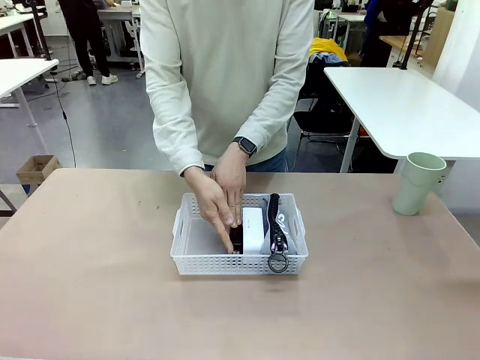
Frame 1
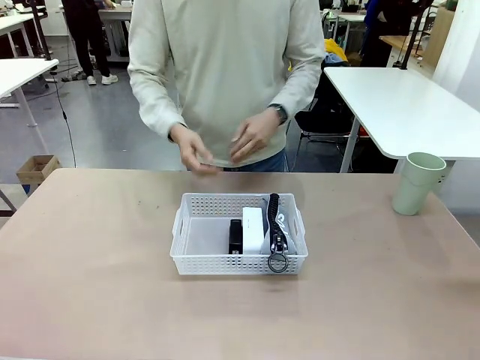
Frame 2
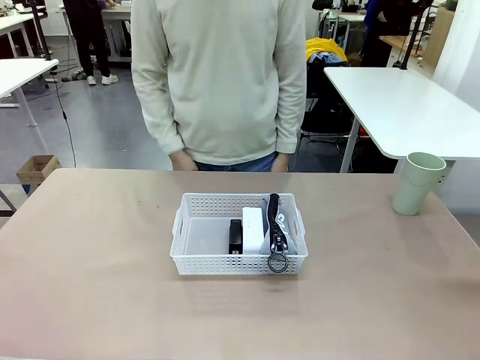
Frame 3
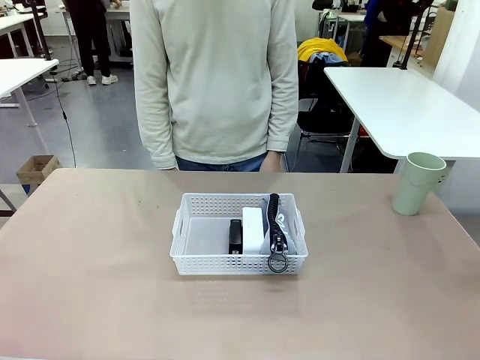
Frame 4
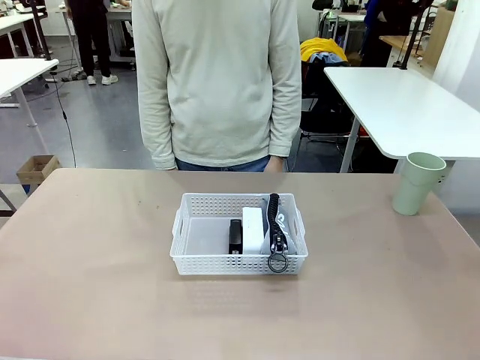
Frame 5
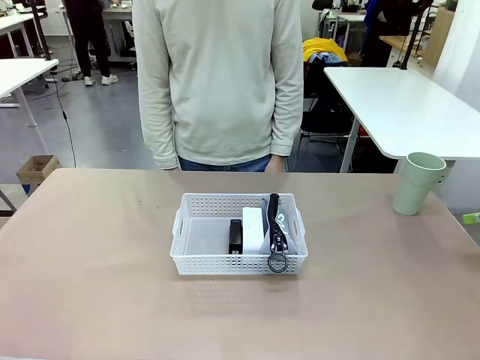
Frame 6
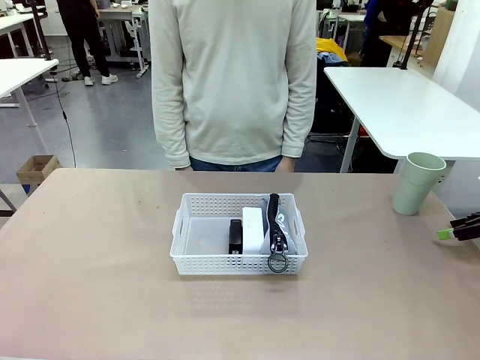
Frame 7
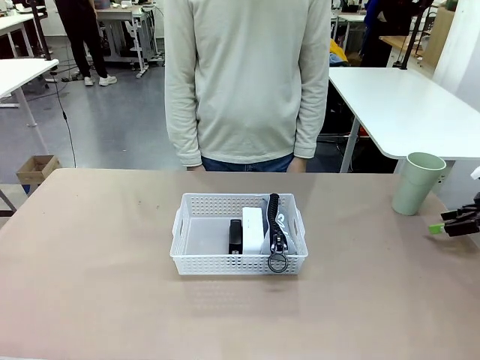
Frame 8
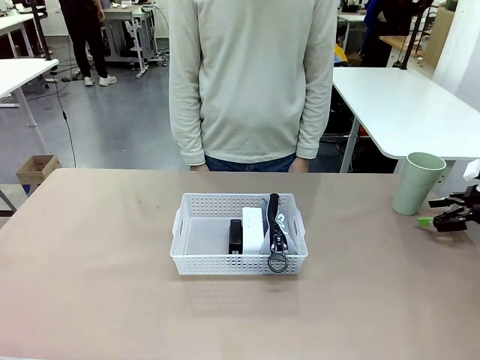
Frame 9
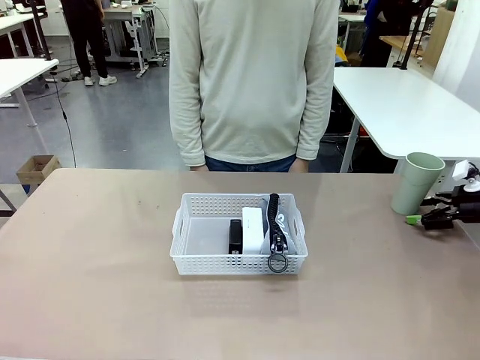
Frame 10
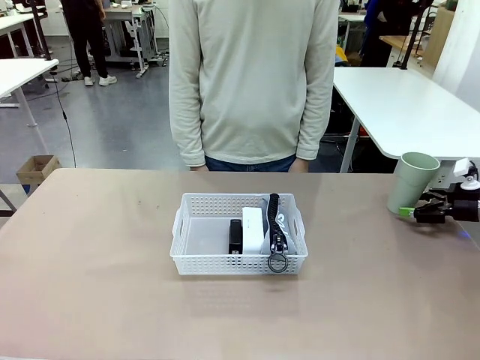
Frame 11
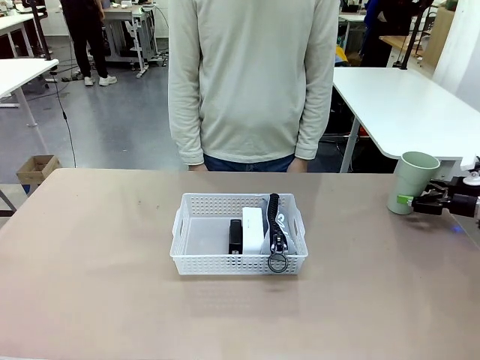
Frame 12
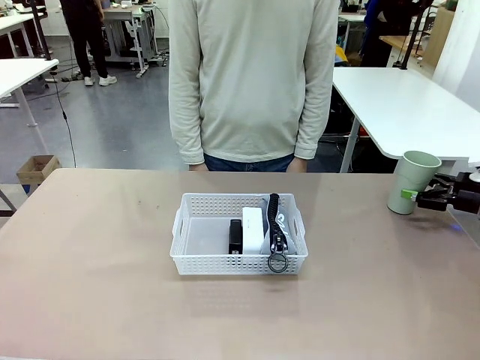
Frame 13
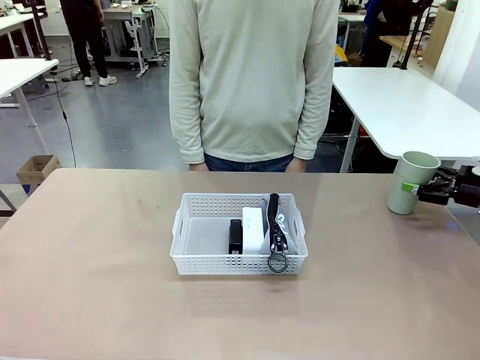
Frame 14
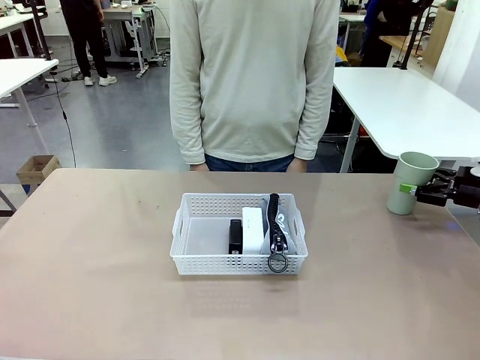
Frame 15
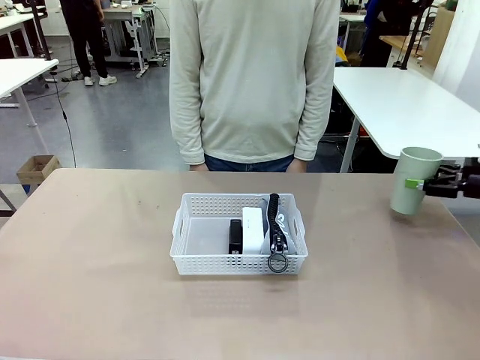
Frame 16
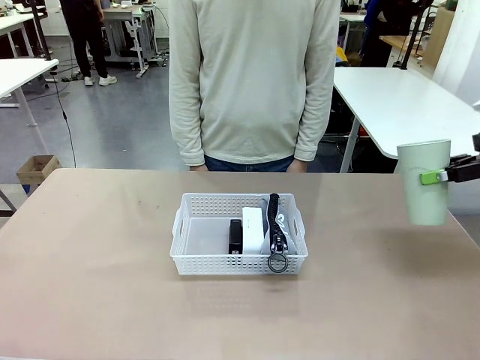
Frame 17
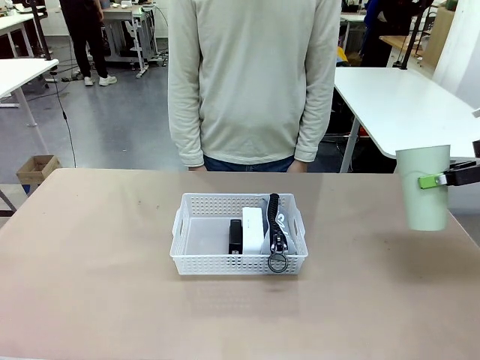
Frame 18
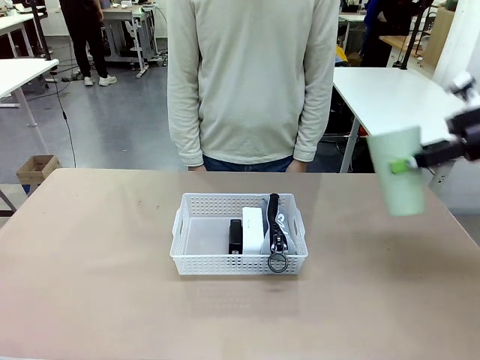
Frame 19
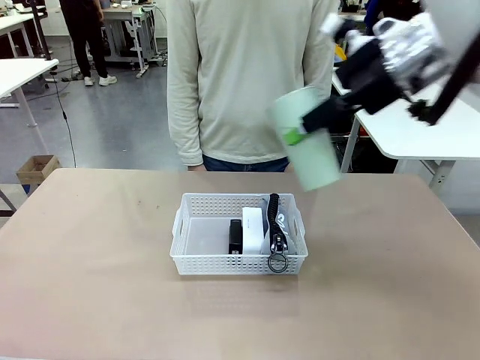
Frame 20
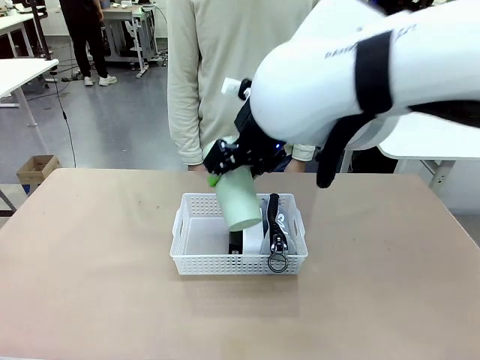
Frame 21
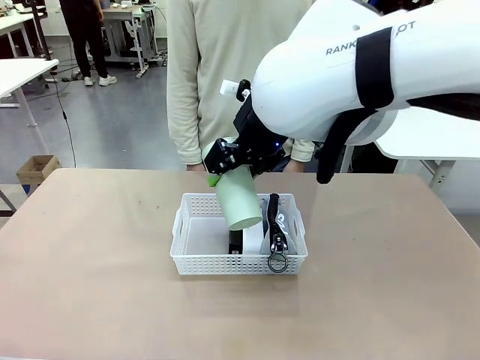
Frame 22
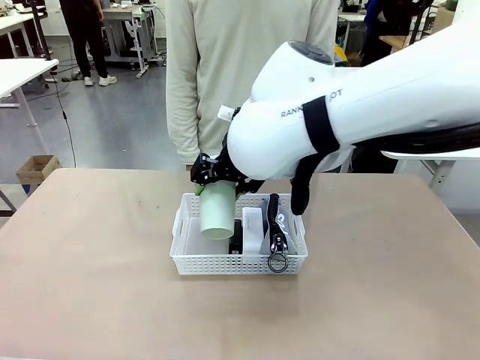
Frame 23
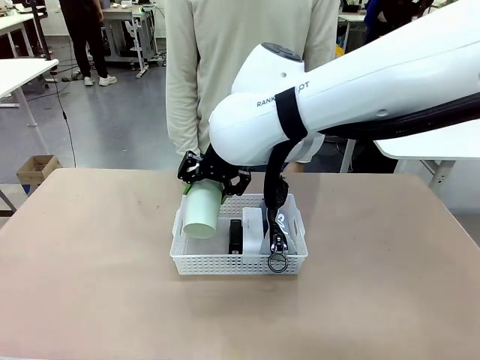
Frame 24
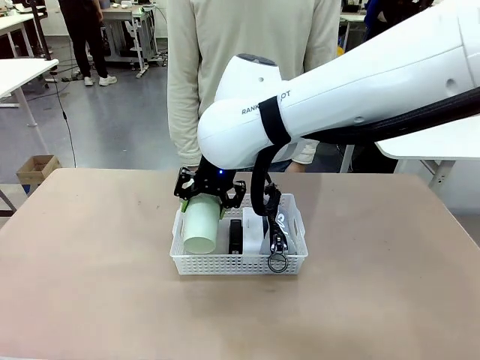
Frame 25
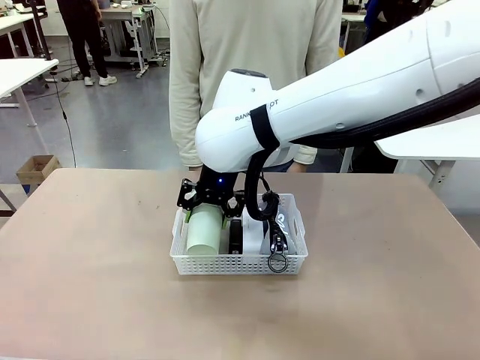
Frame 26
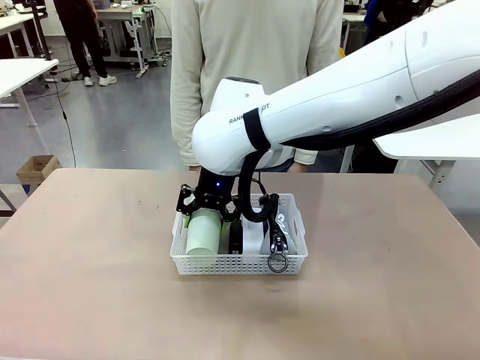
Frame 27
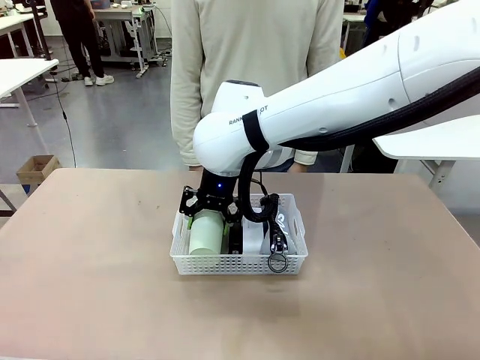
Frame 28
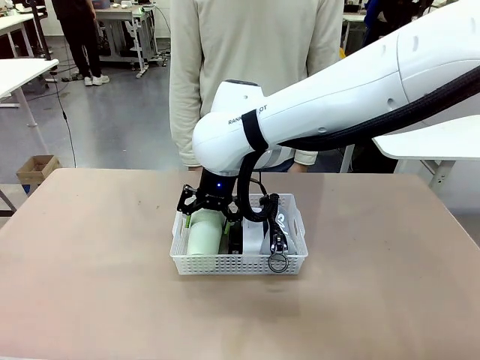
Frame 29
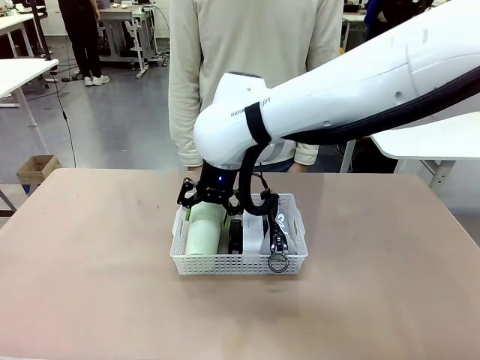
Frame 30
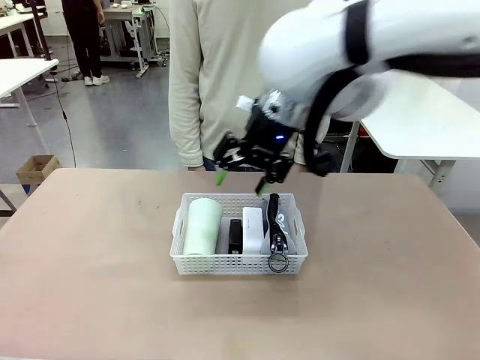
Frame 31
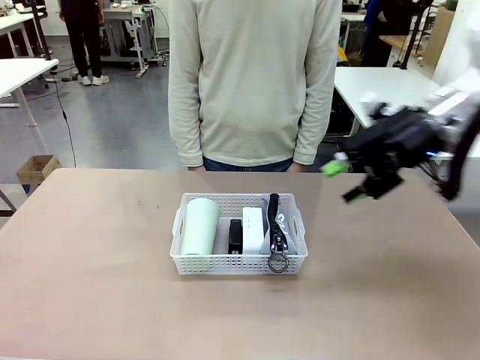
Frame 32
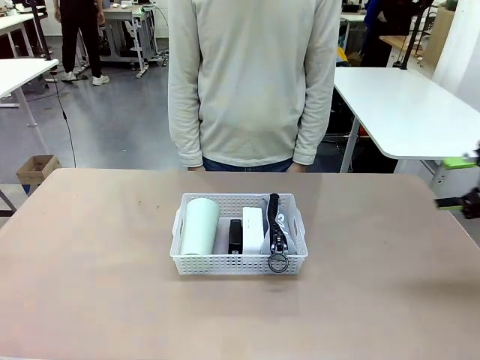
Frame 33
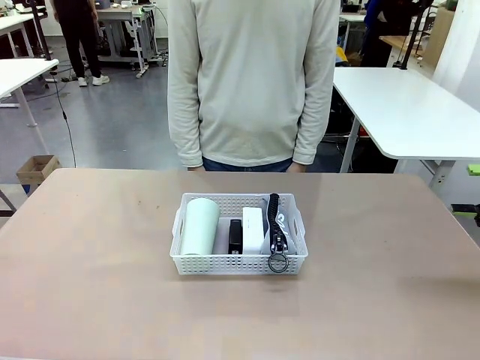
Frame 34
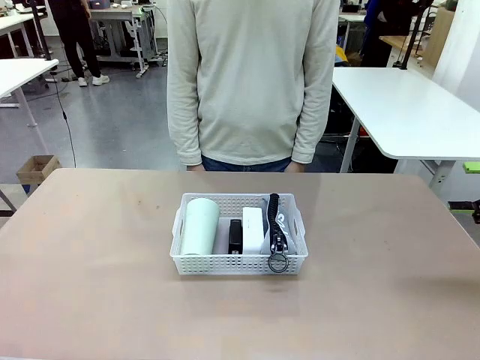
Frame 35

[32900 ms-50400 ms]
Task: Efficiently arrange items inside the basket to fit them all.
Robot: Pick up the Reusable plastic cup and place it inside the Organizing basket.
Person: Repositions the stapler.

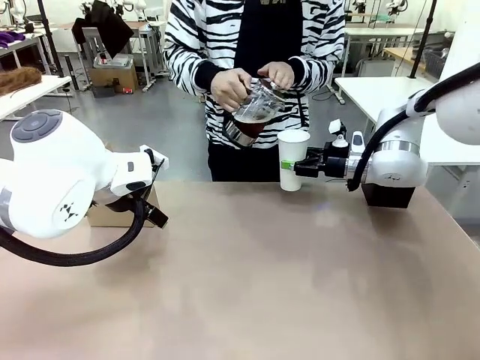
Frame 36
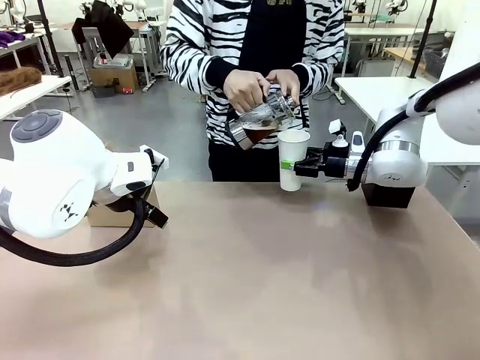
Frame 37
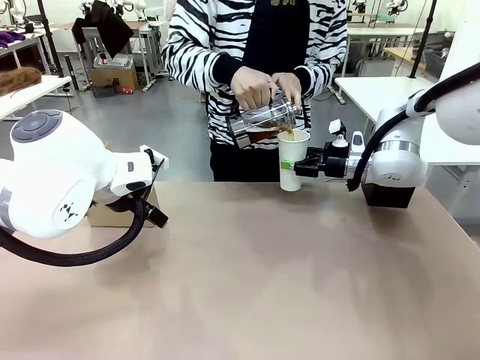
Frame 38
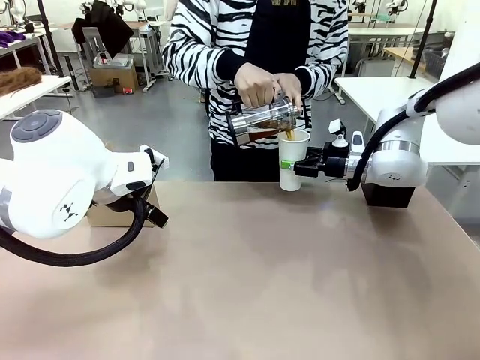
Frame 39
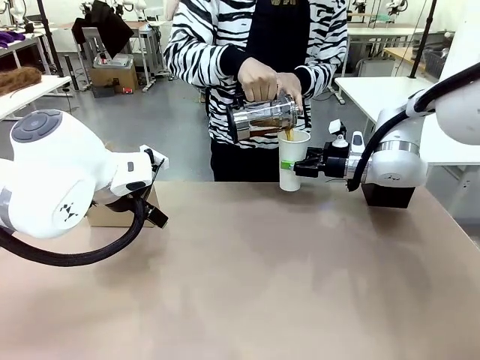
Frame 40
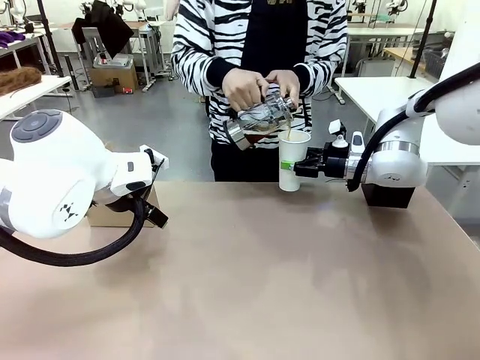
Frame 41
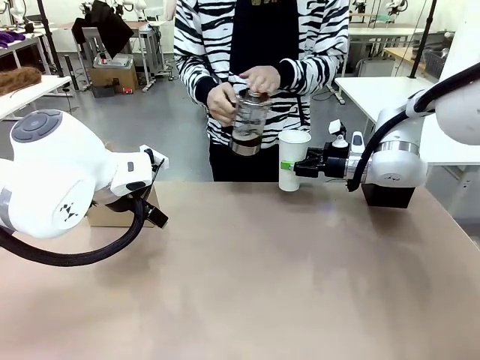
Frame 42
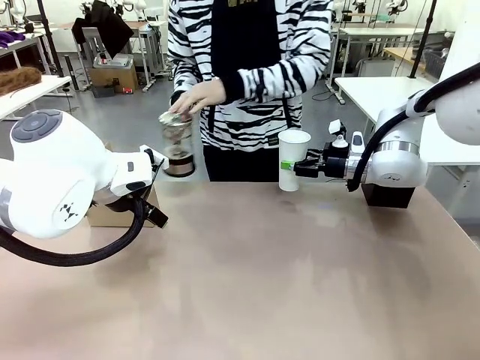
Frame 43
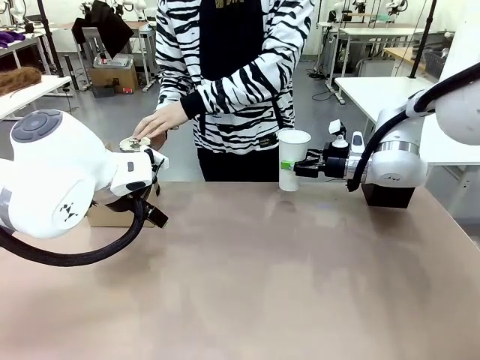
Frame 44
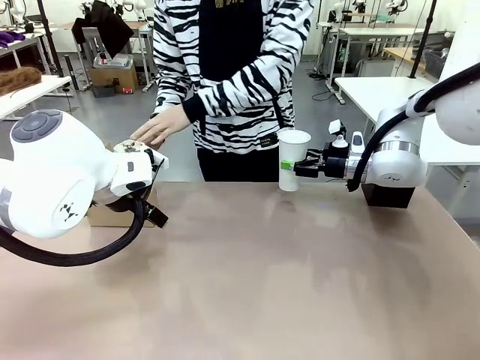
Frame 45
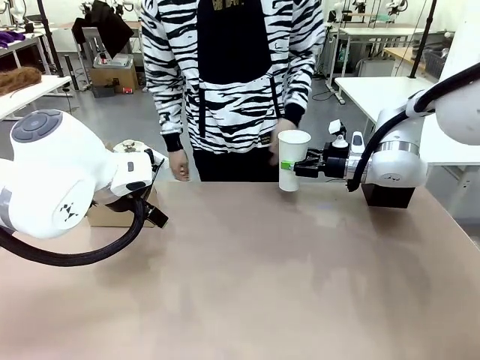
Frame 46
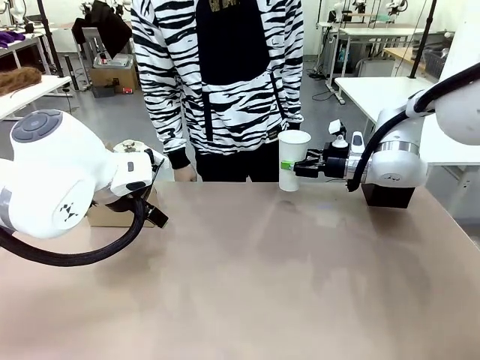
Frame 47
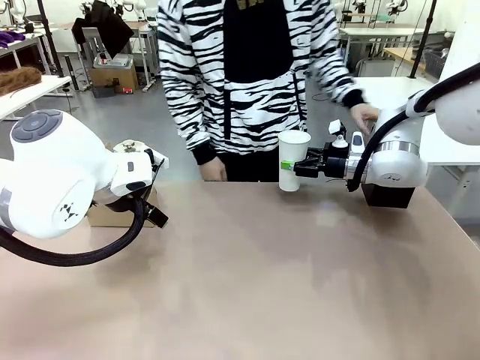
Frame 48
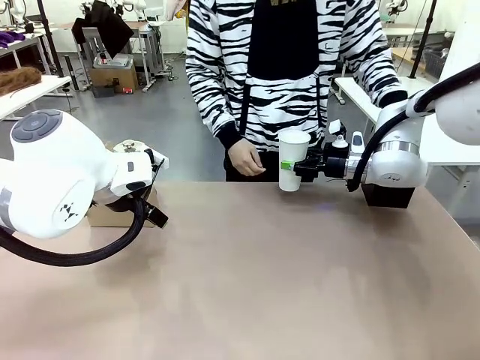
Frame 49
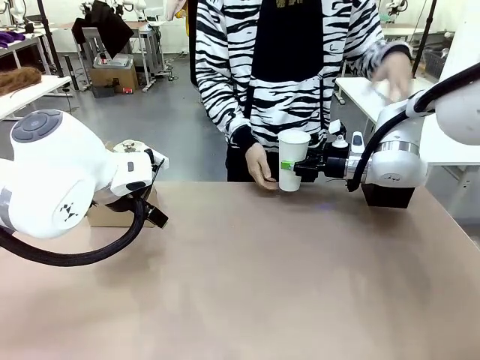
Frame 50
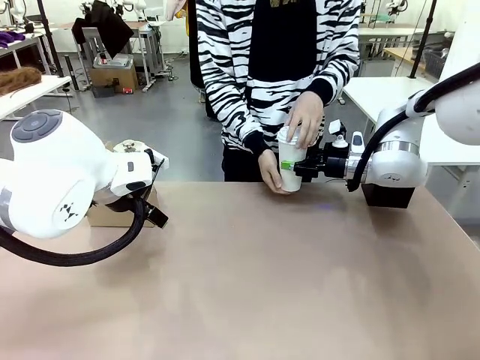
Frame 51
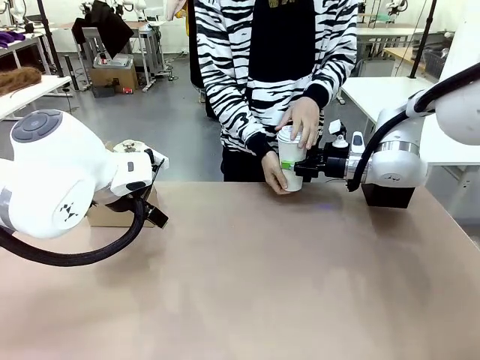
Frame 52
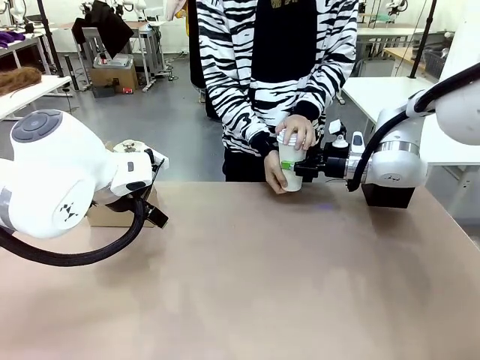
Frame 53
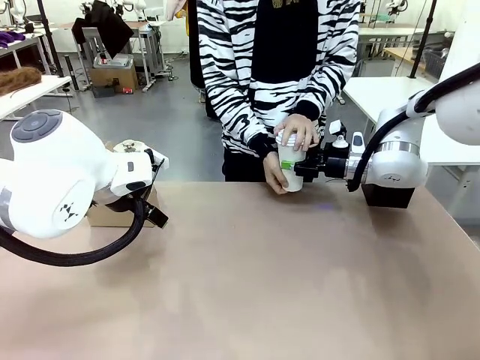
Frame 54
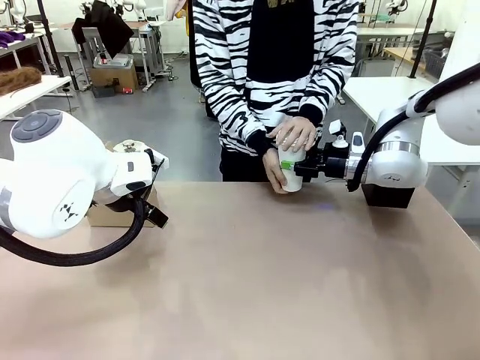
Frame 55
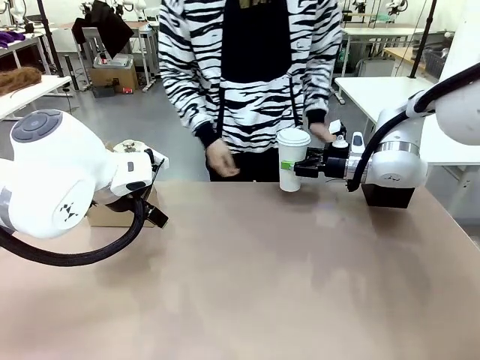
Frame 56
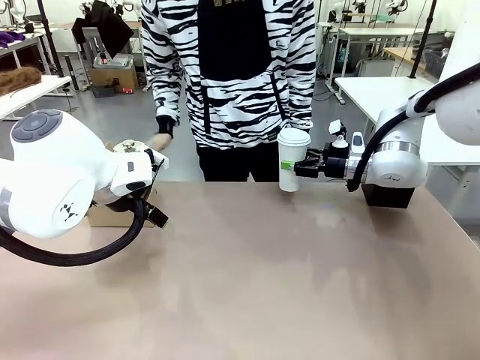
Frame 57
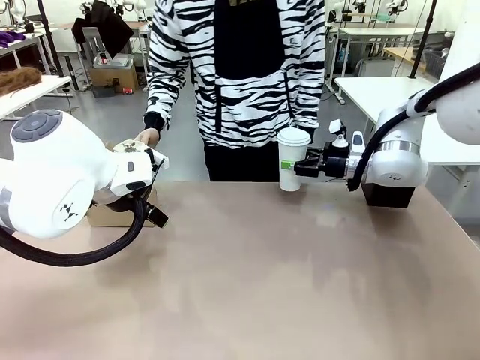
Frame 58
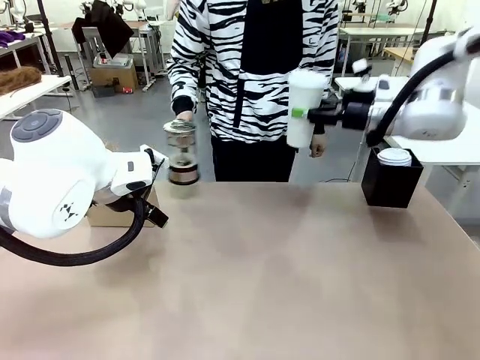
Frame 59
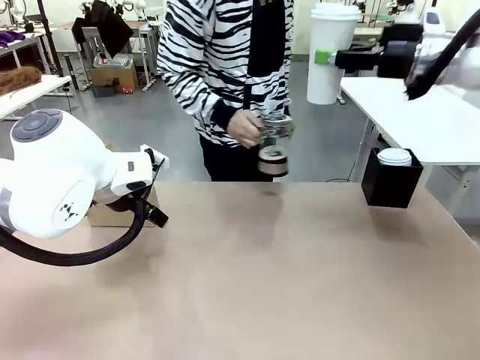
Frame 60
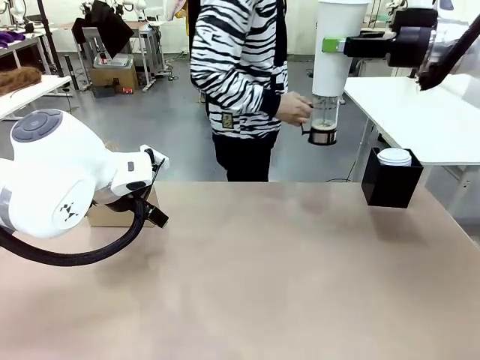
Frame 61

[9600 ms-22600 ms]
Task: Pour a drink into a cup and package it in a carrier.
Robot: When a person places the Paper Cup Lid on the 600 ml Paper Cup , lift the 600 ml Paper Cup.
Person: Pour the drink from the Filter Brewing into the 600 ml Paper Cup. Place a Paper Cup Lid on the 600 ml Paper Cup.
